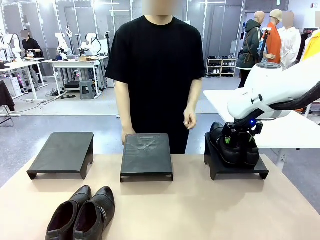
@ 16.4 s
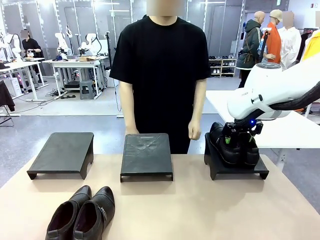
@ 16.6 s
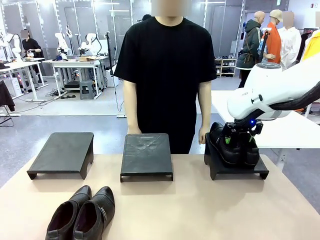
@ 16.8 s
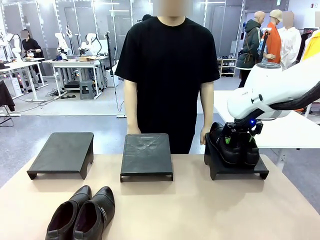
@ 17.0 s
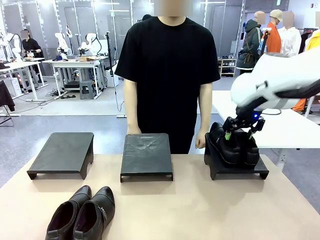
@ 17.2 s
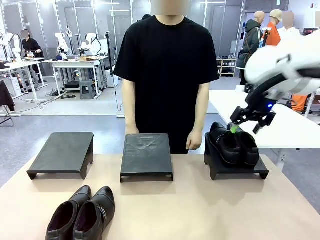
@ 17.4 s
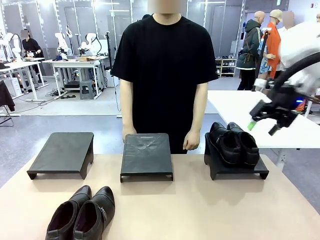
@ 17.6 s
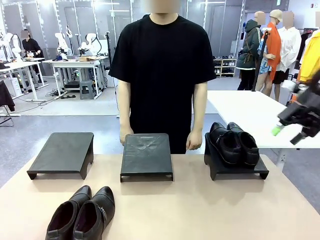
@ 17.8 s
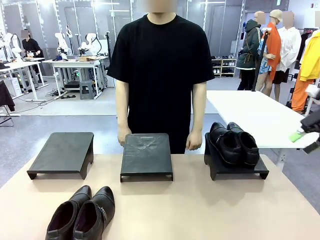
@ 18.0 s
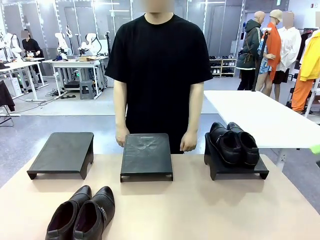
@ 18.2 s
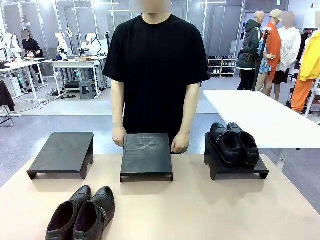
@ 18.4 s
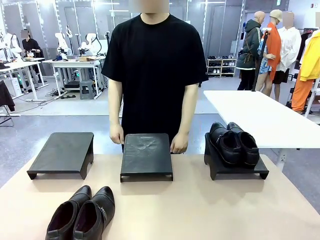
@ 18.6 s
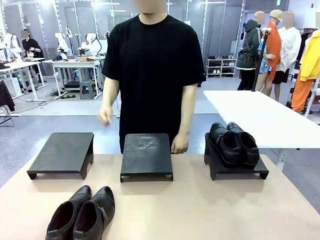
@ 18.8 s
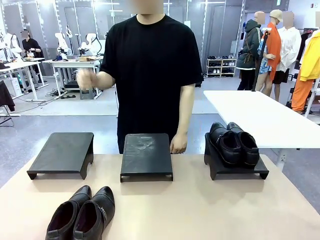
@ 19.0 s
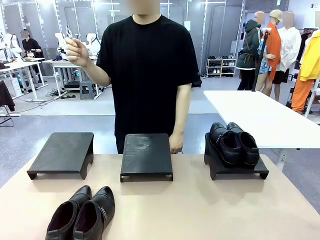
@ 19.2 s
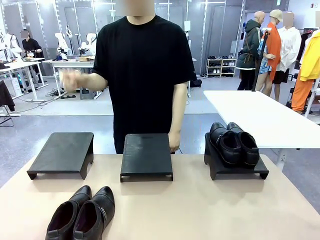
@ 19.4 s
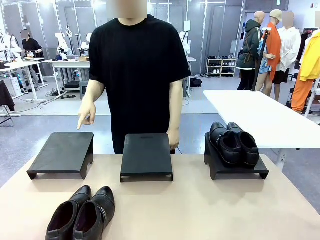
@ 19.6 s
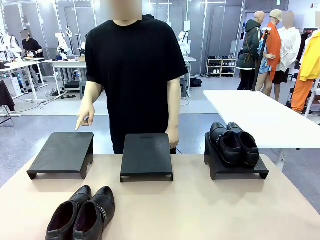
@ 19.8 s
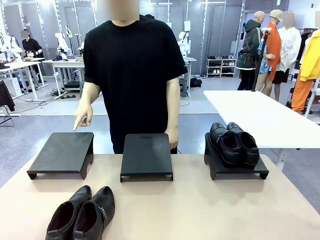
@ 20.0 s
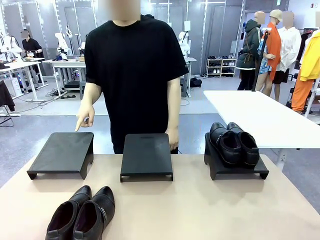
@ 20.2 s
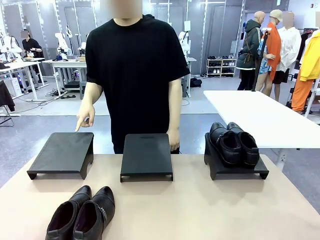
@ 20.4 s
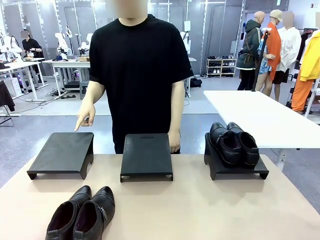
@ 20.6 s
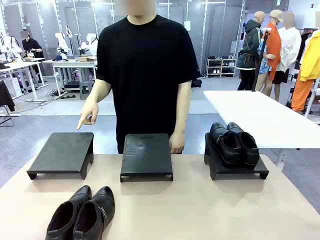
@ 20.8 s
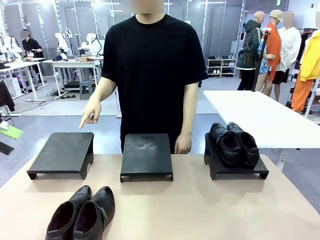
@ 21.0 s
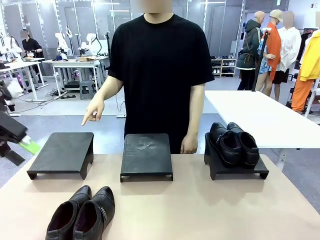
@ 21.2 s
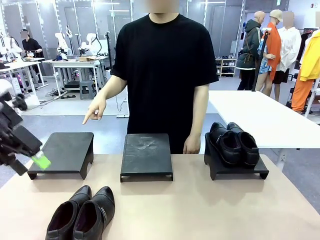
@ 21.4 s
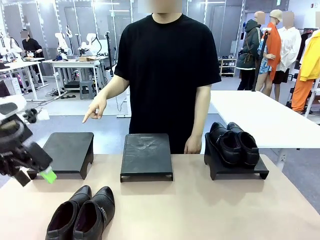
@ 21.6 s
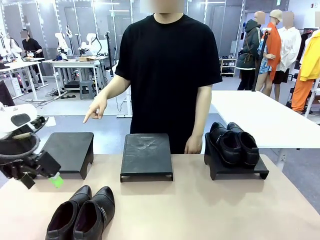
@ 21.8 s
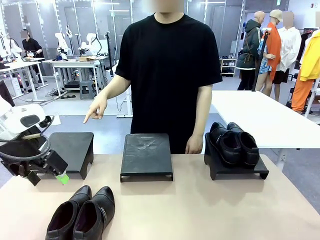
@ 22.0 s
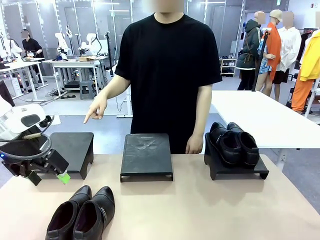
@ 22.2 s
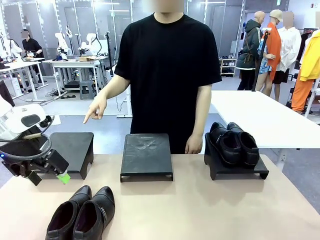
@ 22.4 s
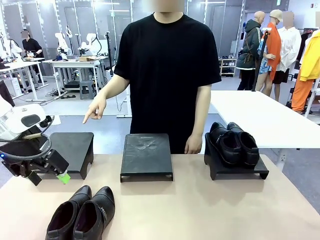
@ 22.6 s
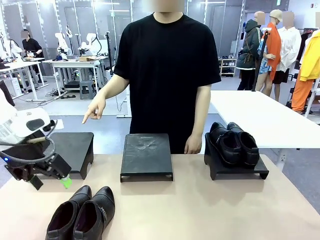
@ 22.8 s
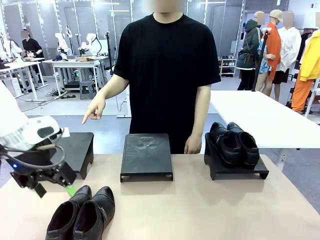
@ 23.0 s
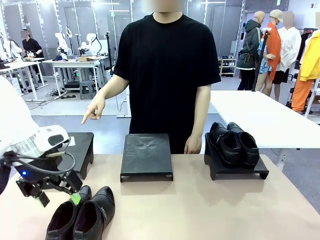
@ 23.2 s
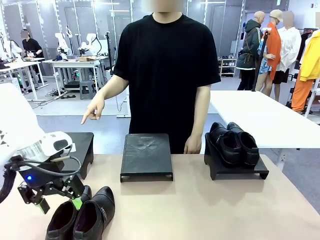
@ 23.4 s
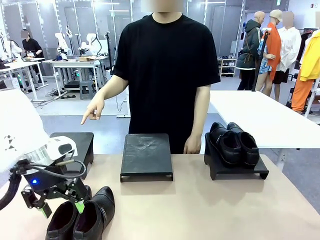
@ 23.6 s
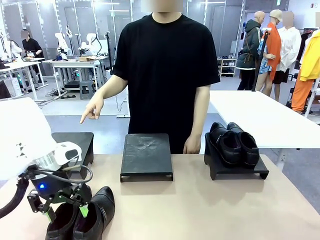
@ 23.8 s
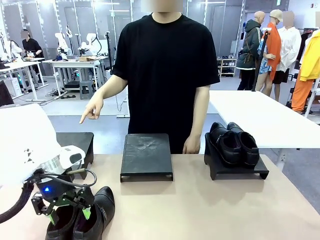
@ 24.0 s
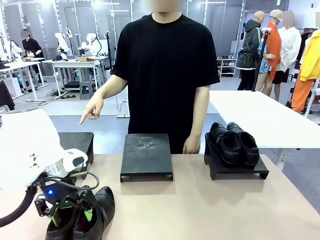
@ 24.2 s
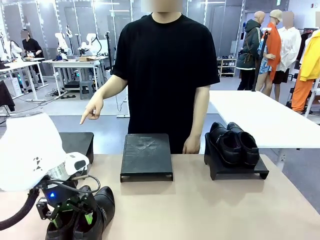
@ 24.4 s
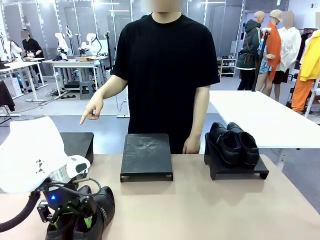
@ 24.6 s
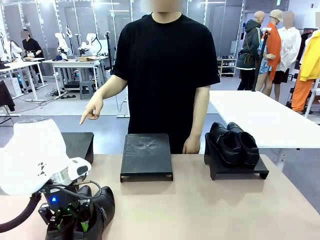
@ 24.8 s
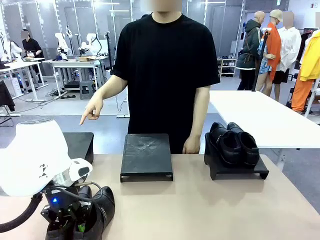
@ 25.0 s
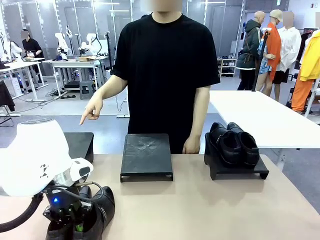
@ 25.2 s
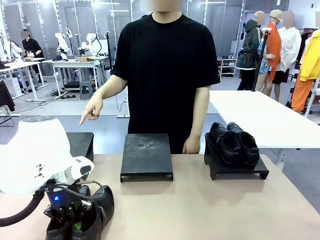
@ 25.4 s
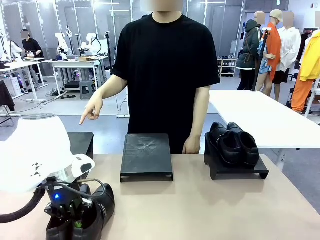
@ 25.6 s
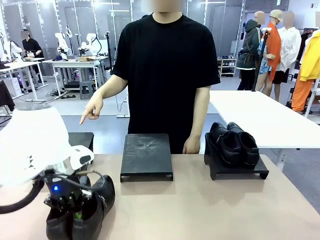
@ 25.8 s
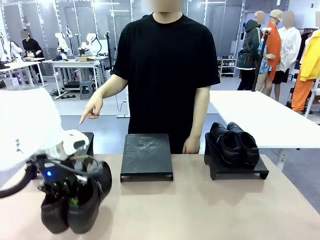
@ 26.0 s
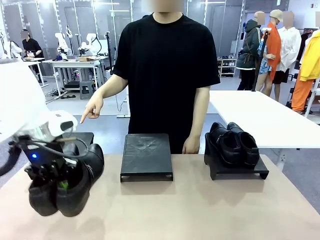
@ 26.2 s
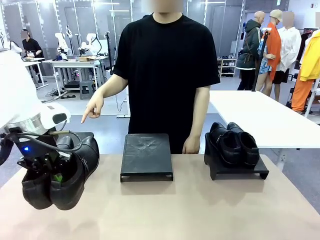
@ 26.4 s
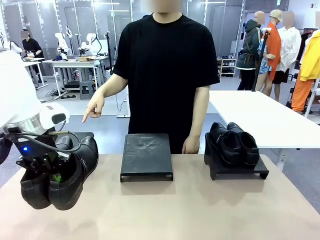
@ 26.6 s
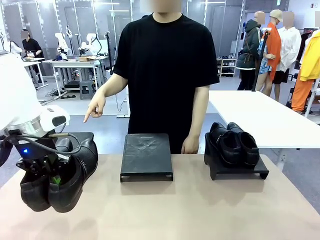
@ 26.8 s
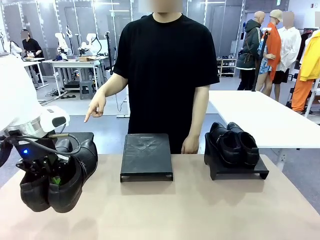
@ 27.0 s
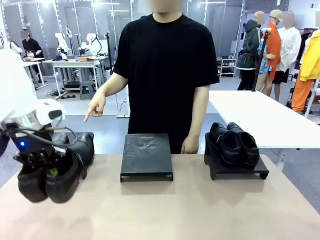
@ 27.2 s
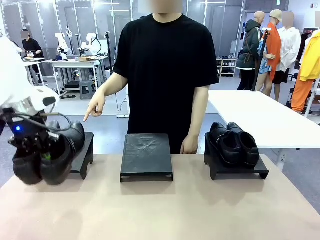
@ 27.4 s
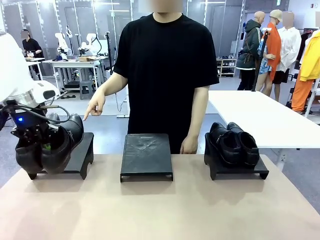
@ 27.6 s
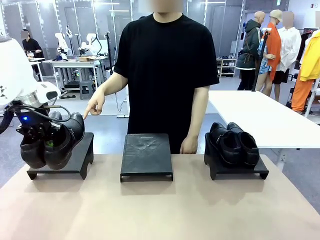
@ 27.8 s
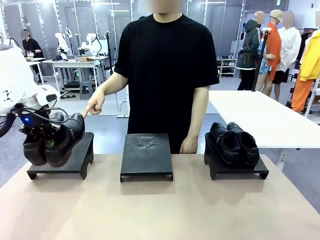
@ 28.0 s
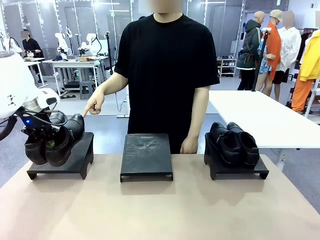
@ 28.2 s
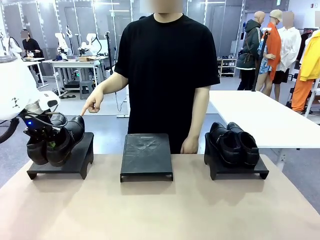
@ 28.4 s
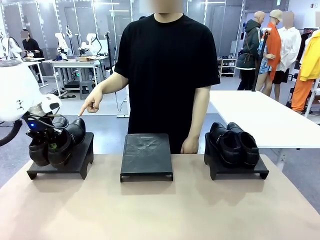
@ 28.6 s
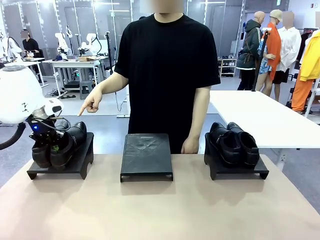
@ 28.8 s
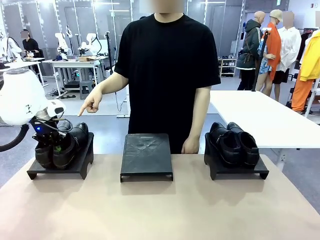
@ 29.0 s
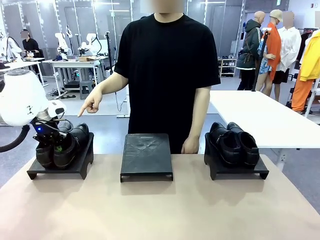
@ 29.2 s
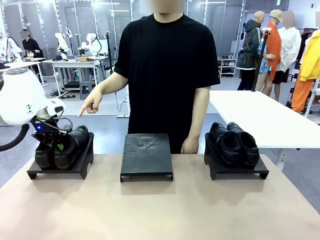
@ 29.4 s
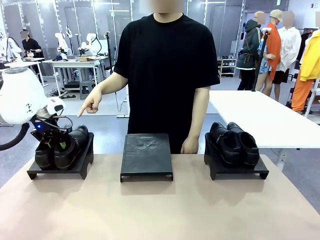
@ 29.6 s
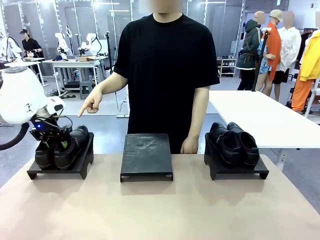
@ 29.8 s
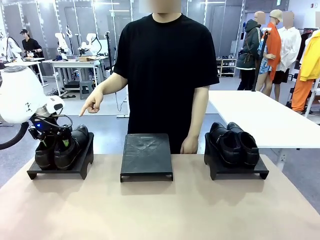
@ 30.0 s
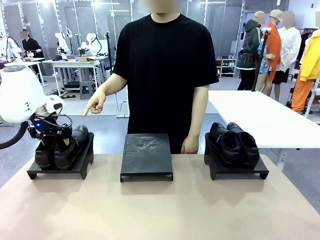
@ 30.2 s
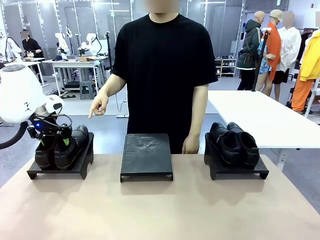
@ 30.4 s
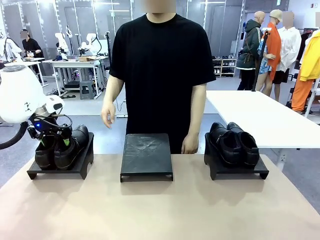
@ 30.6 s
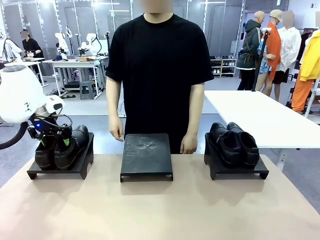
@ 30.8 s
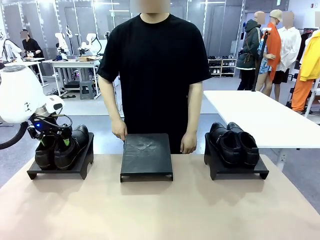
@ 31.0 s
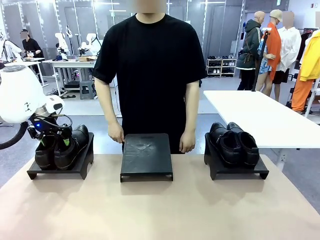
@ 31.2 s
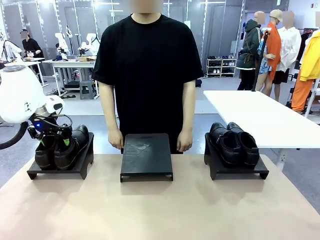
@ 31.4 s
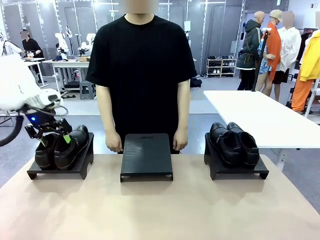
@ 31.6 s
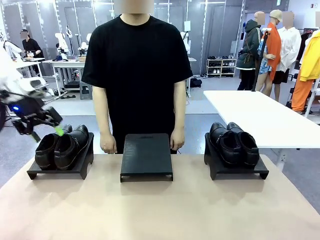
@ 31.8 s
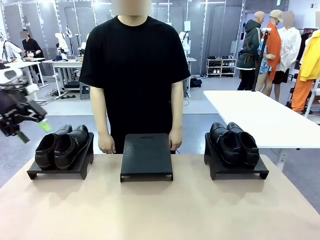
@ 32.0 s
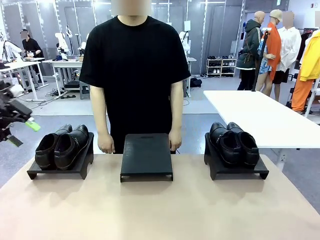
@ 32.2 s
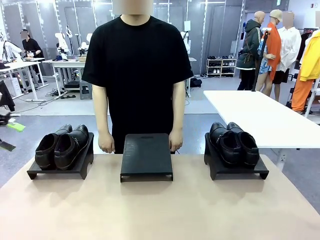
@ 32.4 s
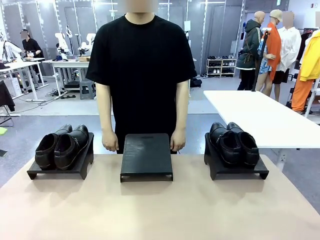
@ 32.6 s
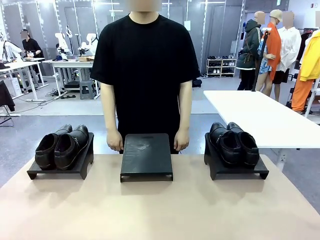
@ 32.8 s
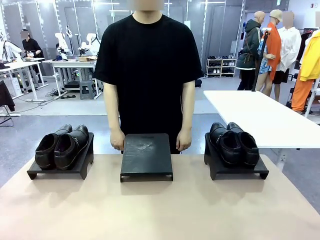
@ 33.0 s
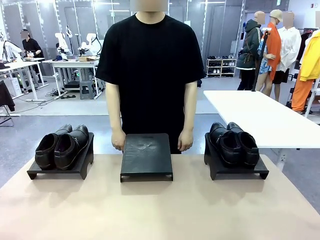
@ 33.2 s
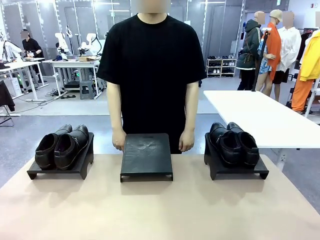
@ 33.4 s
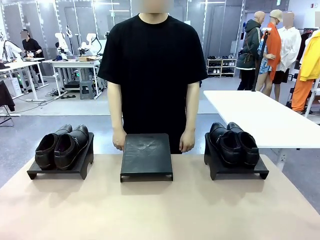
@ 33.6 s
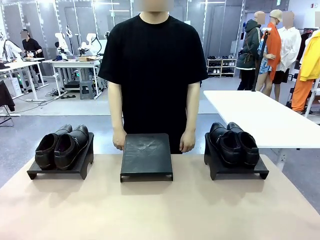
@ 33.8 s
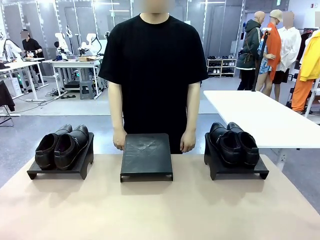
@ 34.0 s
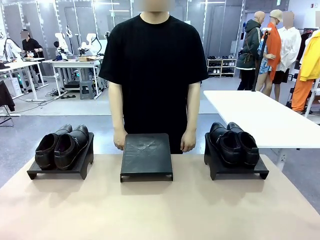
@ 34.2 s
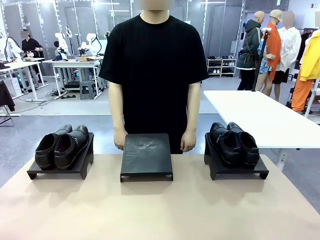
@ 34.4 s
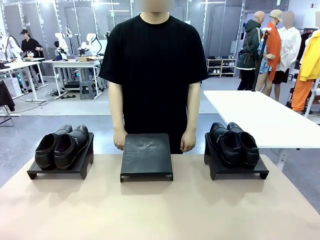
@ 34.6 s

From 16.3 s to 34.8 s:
Task: Place the shoes on the stand as instructed by the person.
Robot: Pick up another pair of Shoes and place it on the Shoes Stand indicated by the person.
Person: Point to one Shoes Stand.
